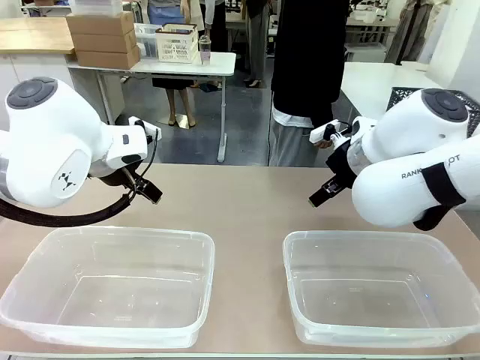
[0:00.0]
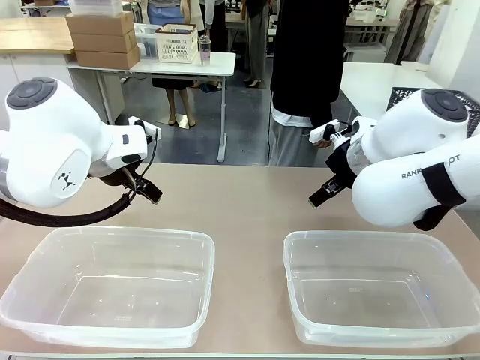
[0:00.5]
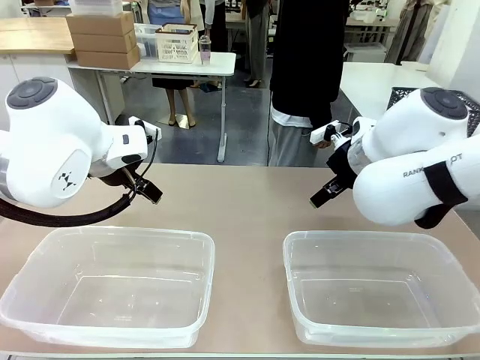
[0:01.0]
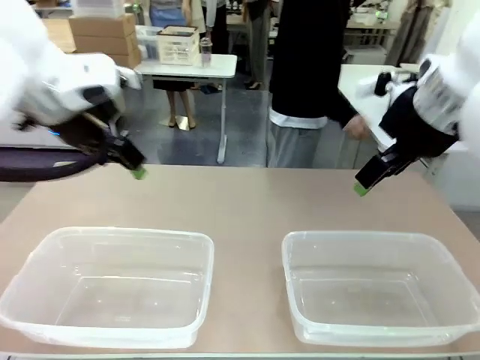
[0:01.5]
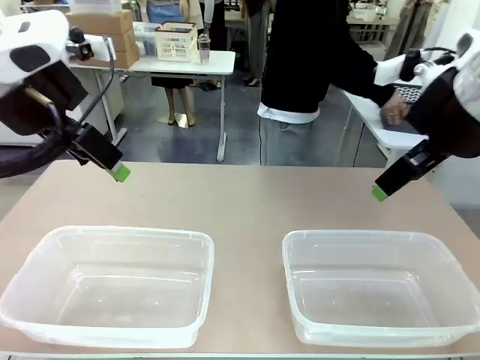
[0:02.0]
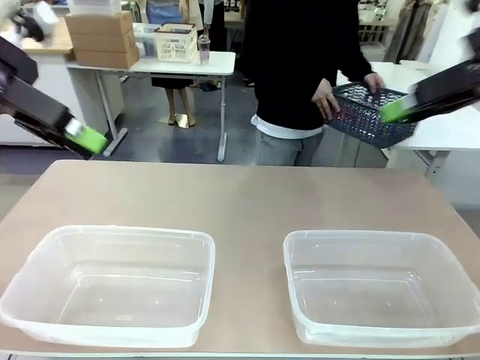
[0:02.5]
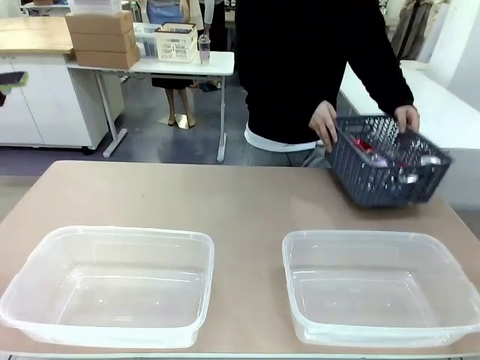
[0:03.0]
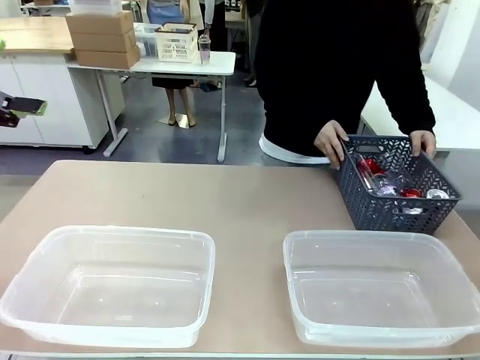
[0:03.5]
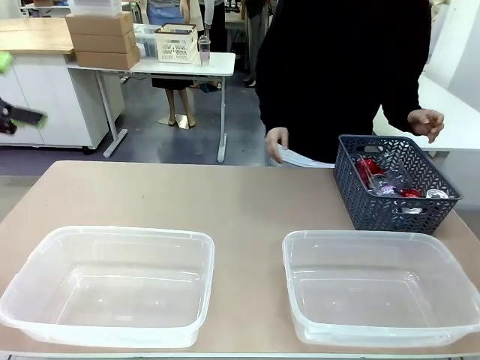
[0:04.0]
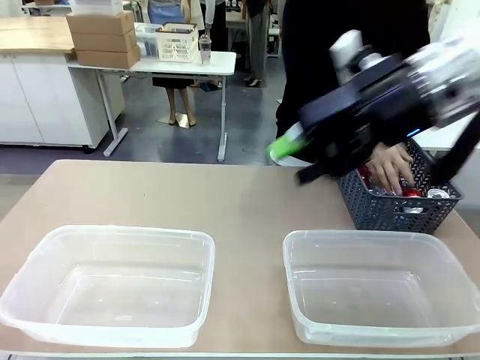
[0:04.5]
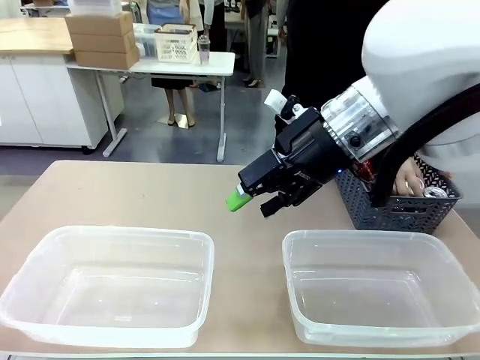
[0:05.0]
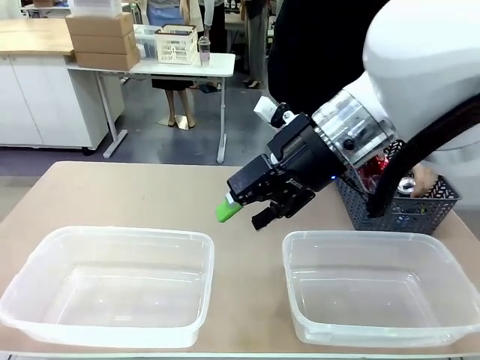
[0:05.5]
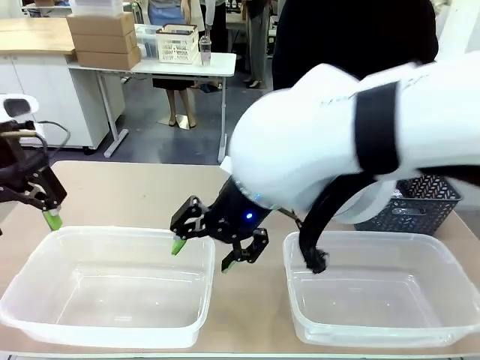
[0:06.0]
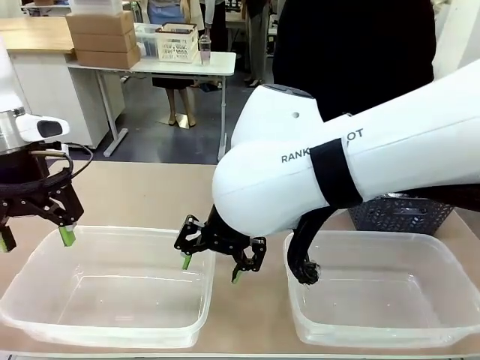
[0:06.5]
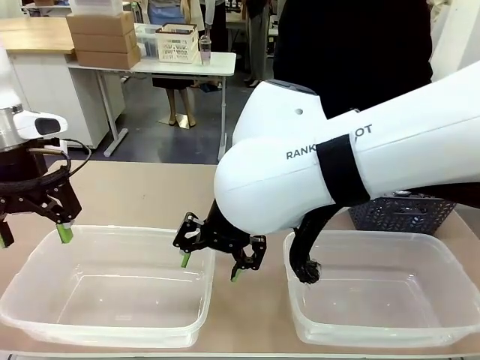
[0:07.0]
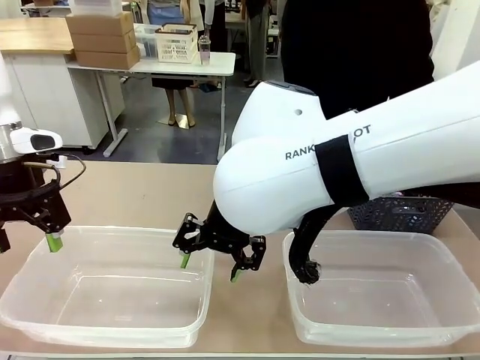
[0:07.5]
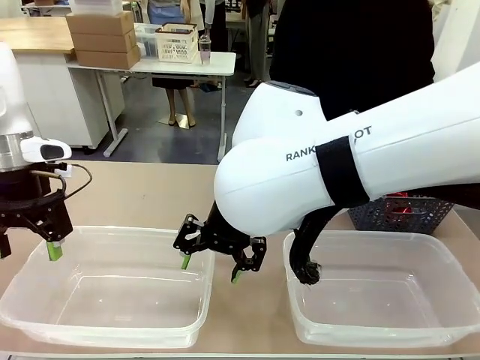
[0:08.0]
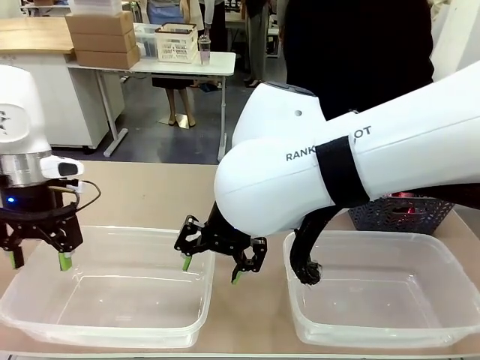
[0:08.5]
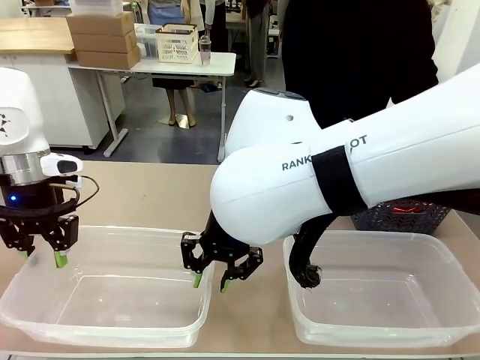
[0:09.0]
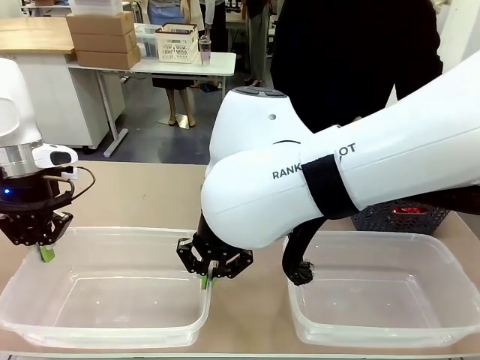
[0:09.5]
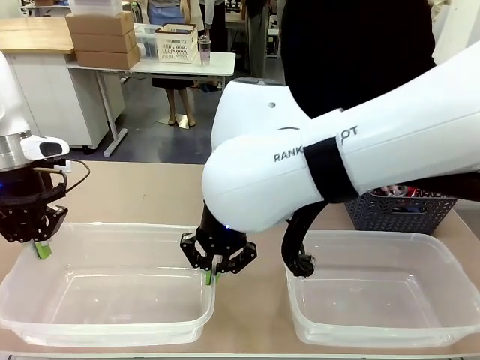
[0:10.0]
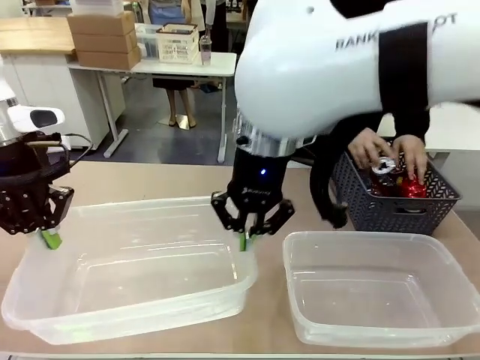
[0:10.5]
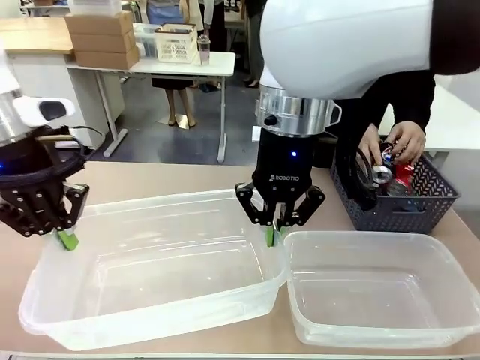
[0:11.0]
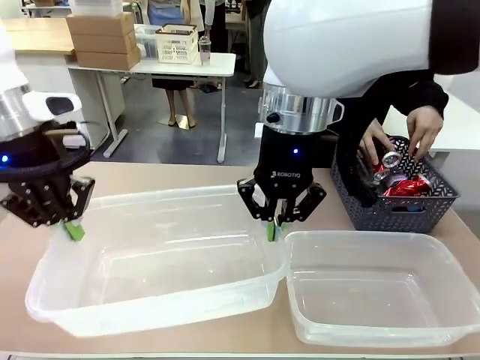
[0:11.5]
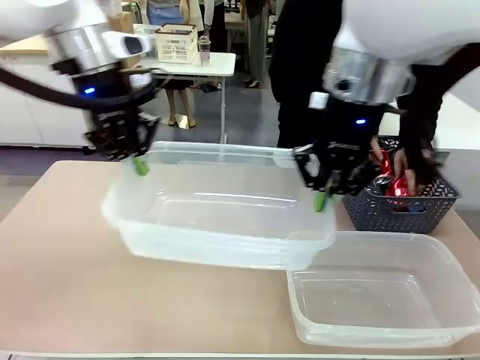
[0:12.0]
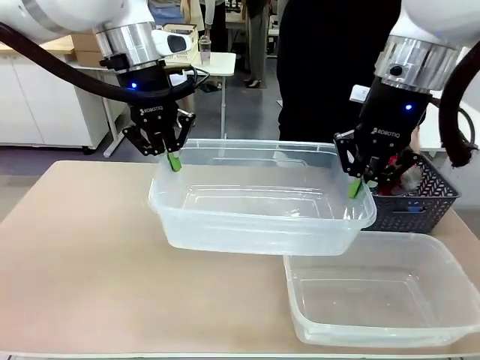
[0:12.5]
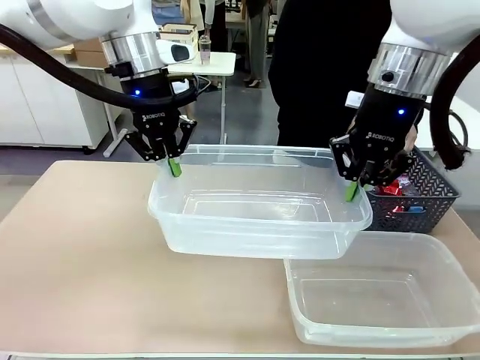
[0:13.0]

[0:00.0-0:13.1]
Robot: Pick up the Organizing box on the left side of the table and lift it.
Person: Pick up the storage basket and place it on the left side of the robot table. Pick up can-shaped waste one by one and place it into the organizing box lifted by the robot.

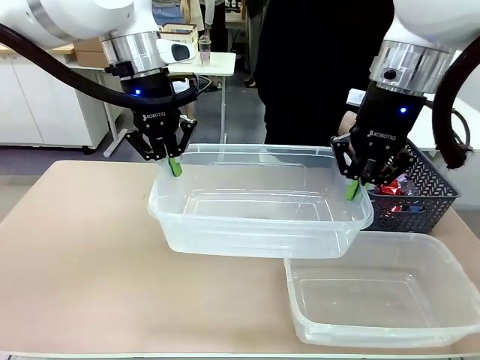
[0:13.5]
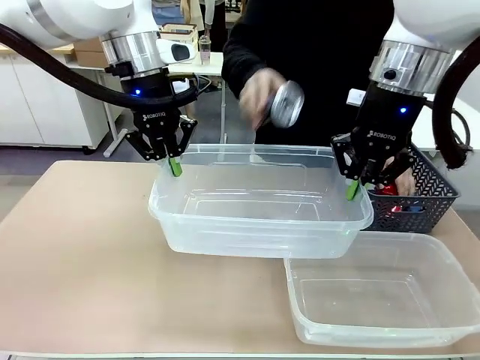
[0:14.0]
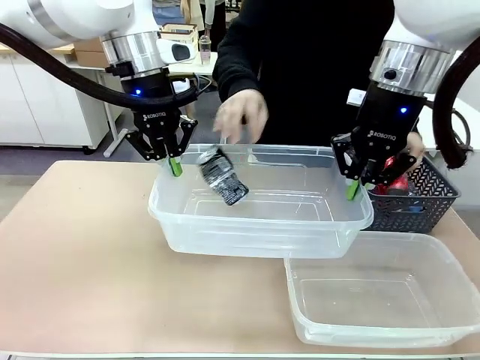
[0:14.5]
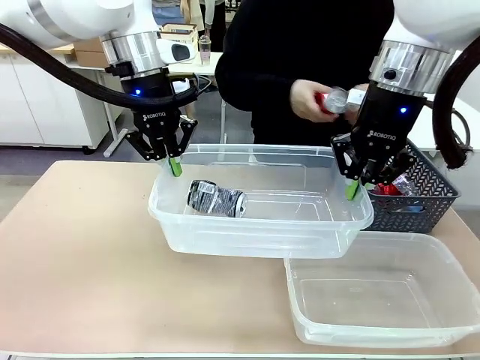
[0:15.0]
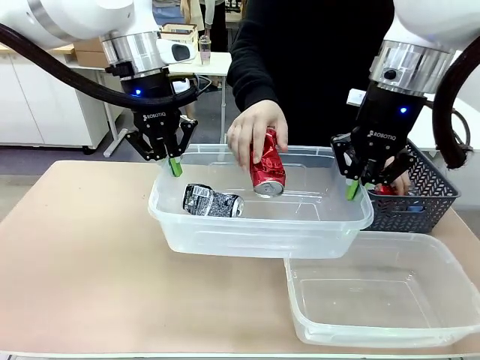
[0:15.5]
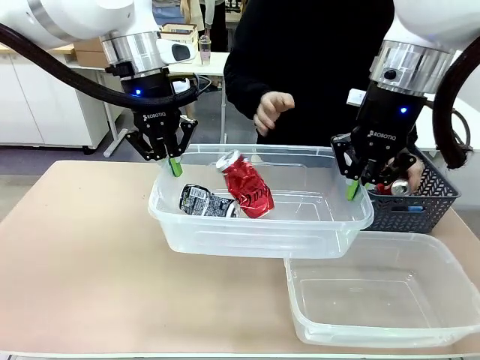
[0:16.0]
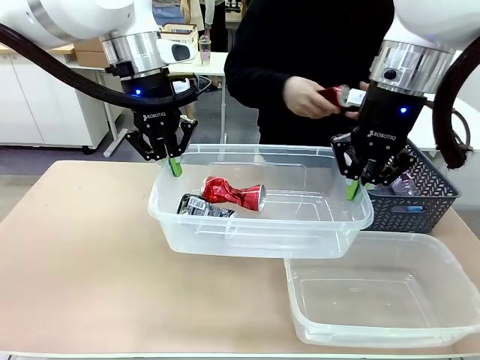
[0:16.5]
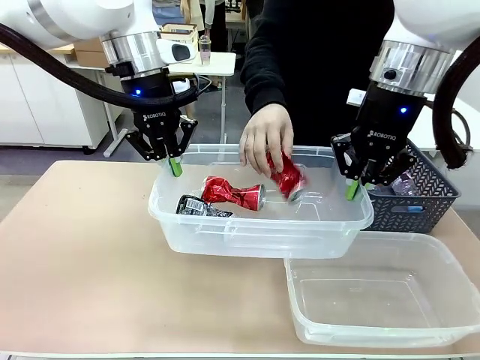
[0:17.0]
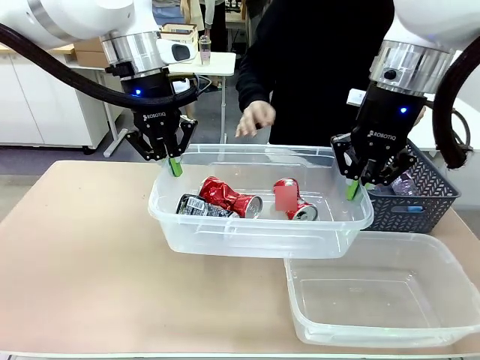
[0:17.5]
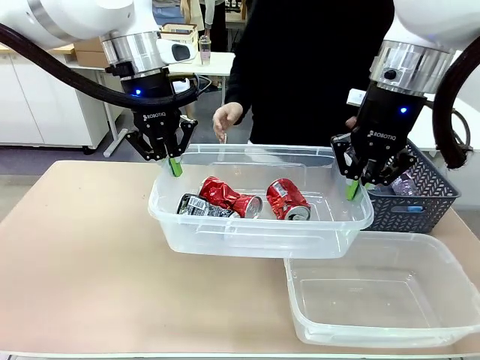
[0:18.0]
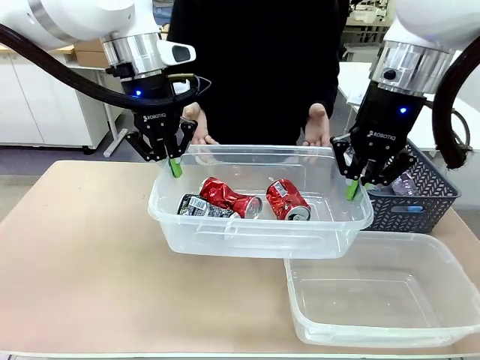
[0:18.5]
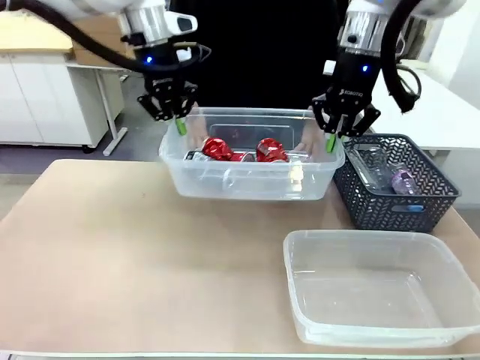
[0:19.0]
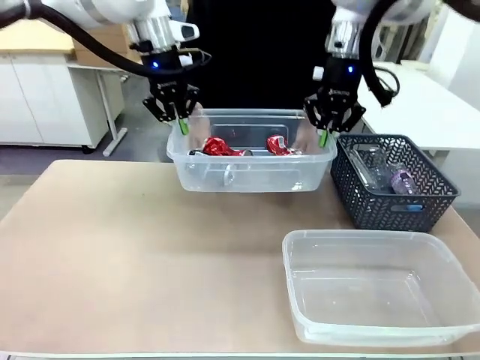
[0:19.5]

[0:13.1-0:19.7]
Robot: Offer the picked Organizing box to the human.

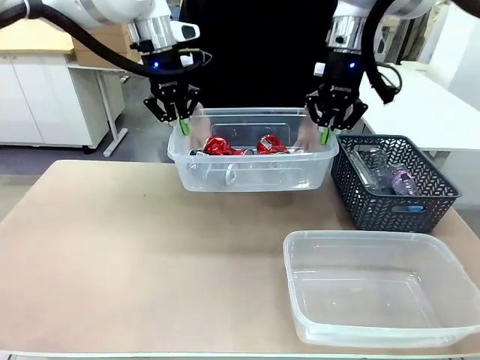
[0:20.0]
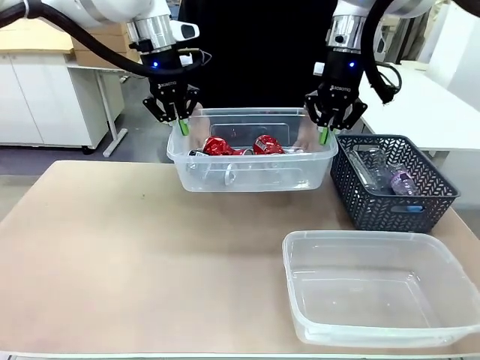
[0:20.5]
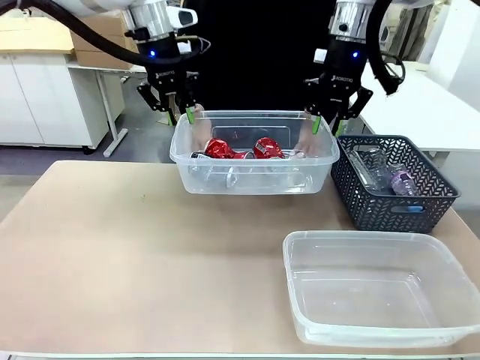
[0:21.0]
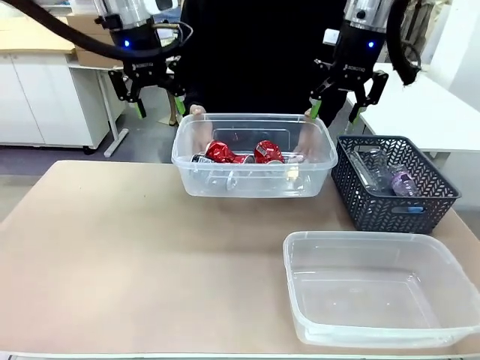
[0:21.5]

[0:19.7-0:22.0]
Robot: Release the Organizing box you were holding.

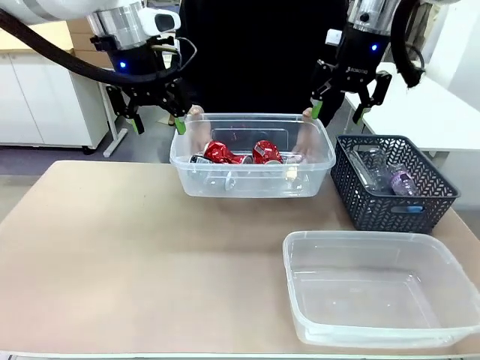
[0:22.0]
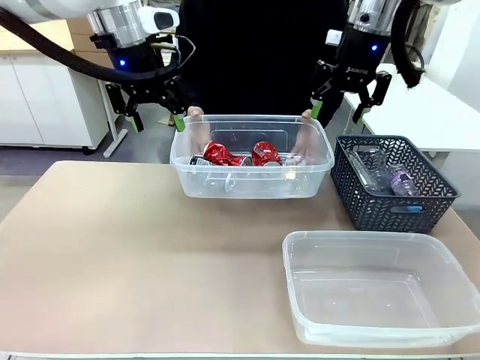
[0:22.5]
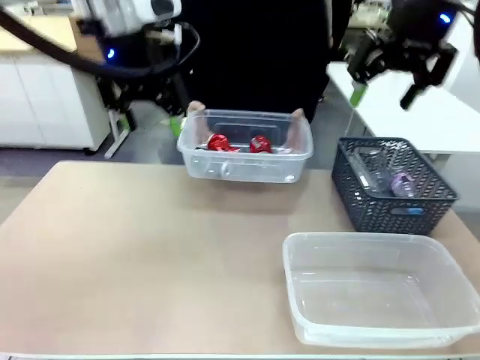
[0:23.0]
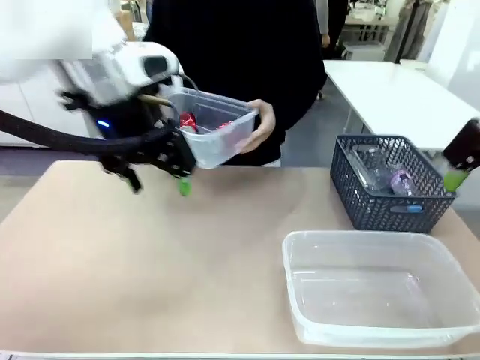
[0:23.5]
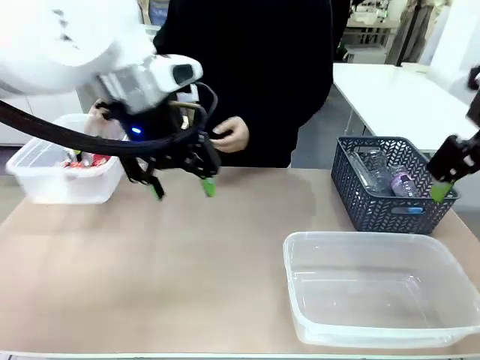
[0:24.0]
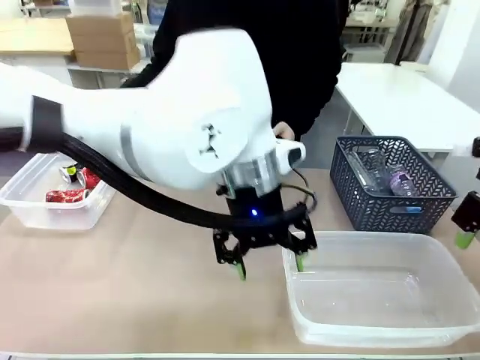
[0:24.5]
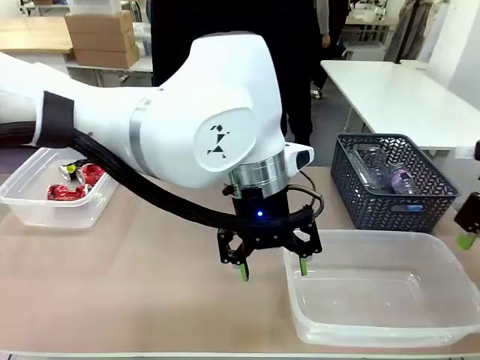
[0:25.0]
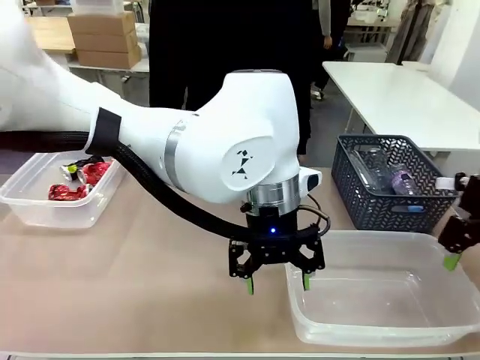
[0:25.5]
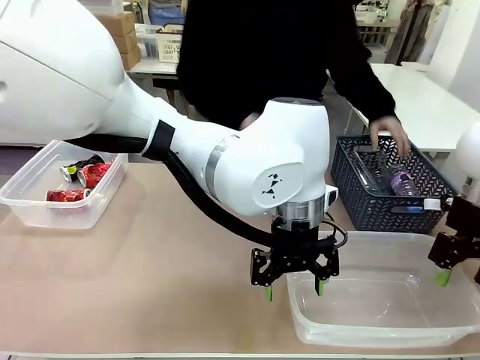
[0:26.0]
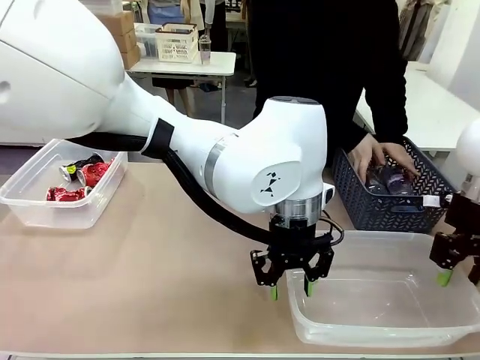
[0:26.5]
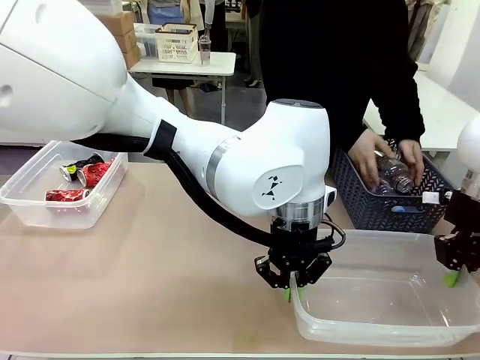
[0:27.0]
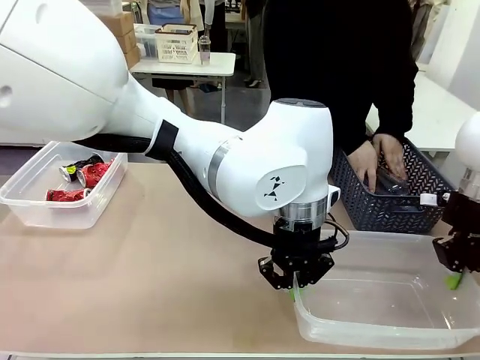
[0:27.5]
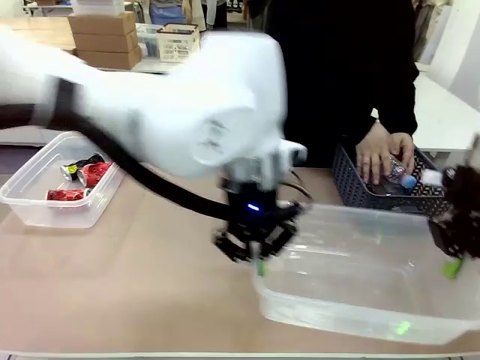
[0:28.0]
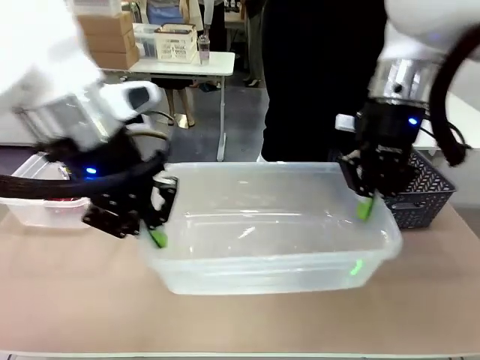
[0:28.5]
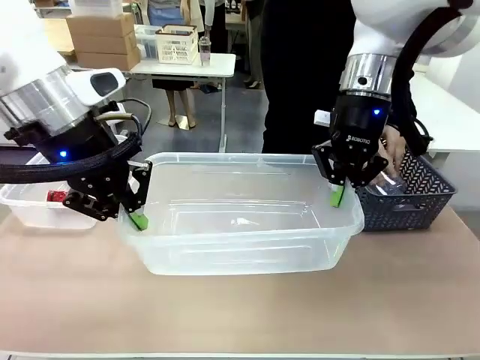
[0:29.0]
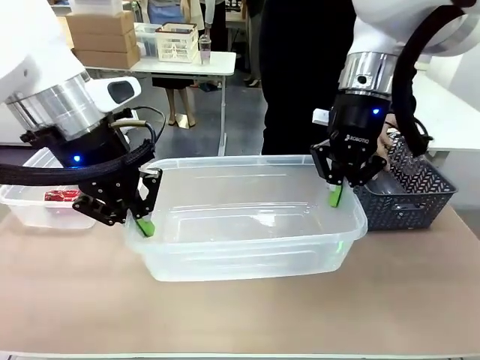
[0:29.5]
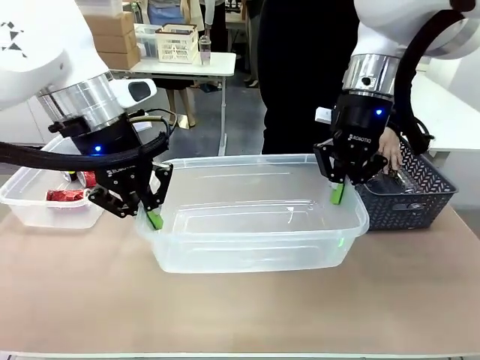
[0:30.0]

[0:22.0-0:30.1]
Robot: Pick up the Organizing box on the right side of the table and lift it.
Person: Place it at the edge of the bottom right area of the robot table. Pick up plastic waste one by one and place it into the organizing box lifted by the robot.
